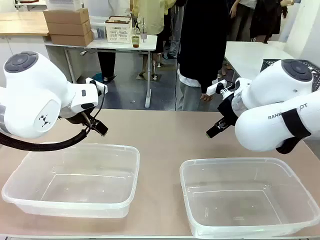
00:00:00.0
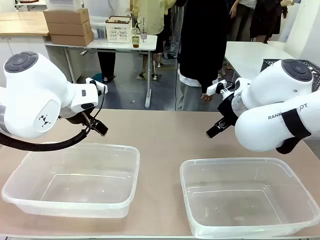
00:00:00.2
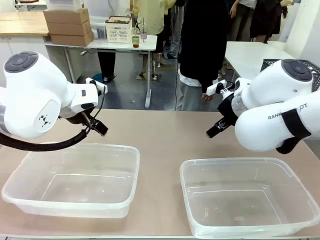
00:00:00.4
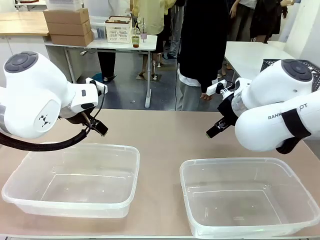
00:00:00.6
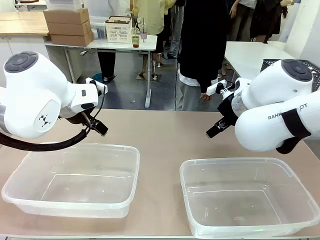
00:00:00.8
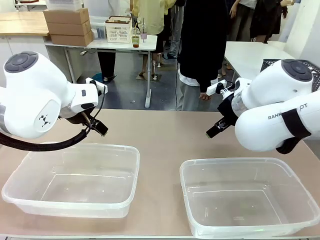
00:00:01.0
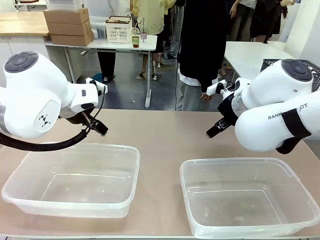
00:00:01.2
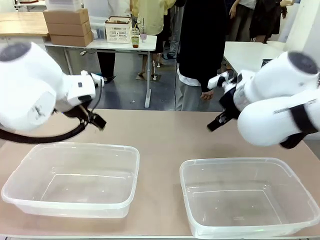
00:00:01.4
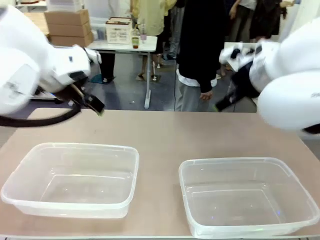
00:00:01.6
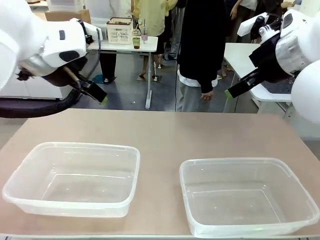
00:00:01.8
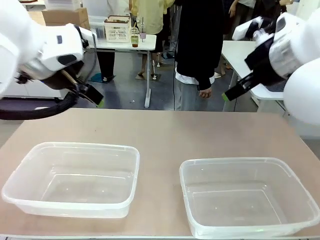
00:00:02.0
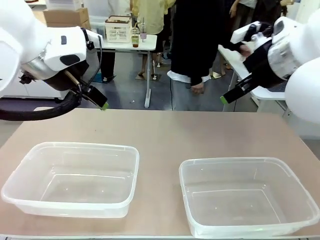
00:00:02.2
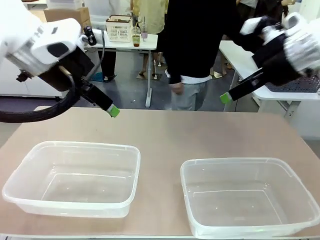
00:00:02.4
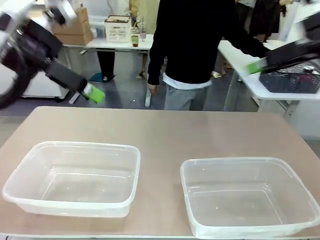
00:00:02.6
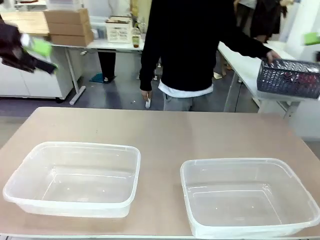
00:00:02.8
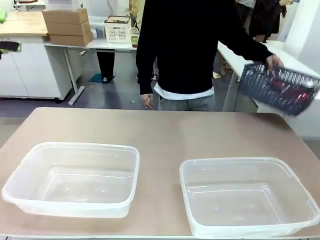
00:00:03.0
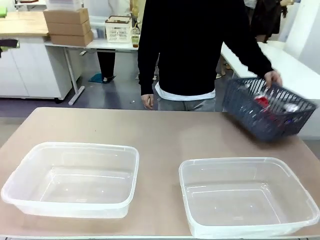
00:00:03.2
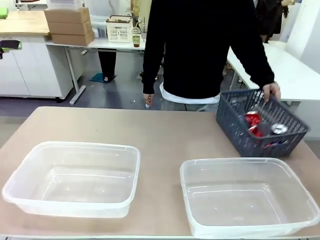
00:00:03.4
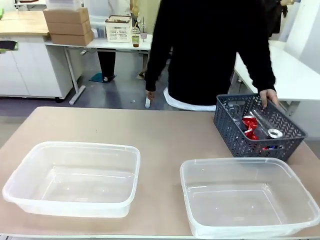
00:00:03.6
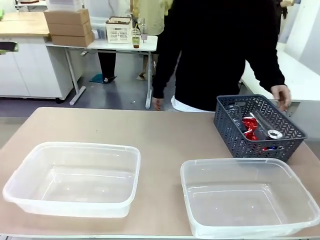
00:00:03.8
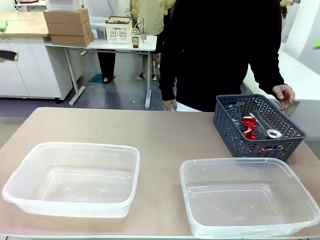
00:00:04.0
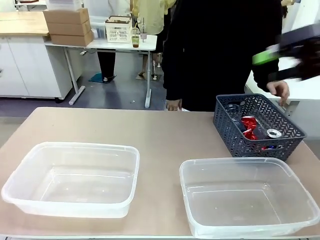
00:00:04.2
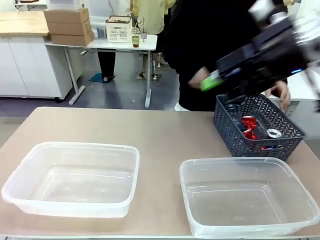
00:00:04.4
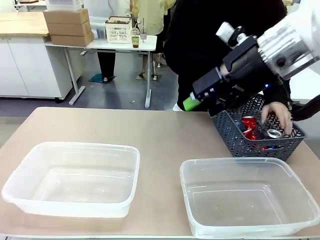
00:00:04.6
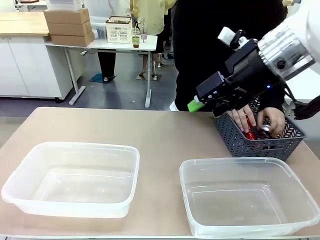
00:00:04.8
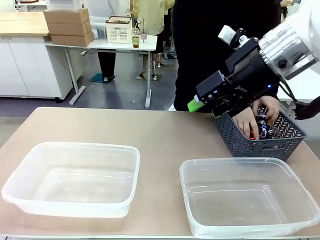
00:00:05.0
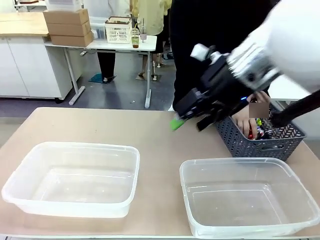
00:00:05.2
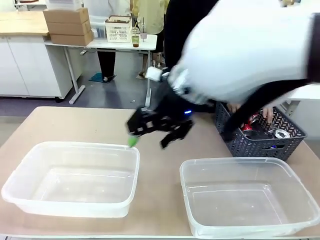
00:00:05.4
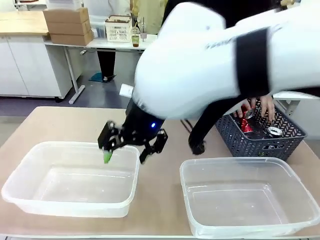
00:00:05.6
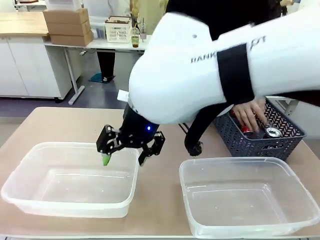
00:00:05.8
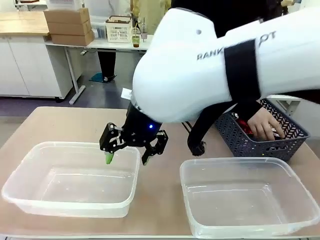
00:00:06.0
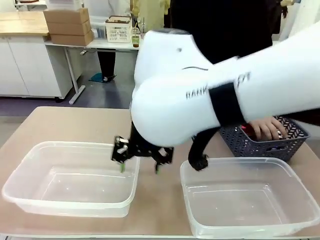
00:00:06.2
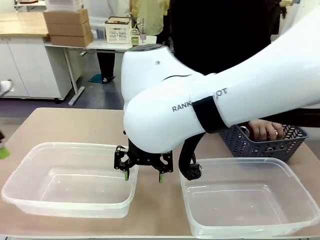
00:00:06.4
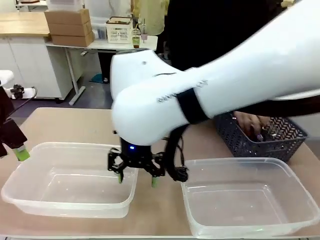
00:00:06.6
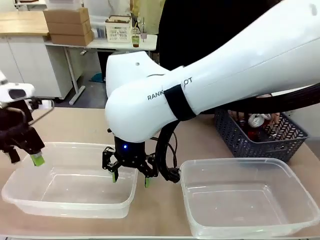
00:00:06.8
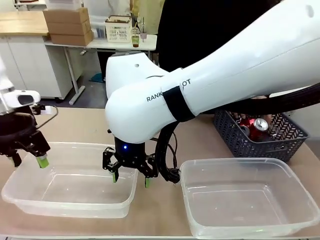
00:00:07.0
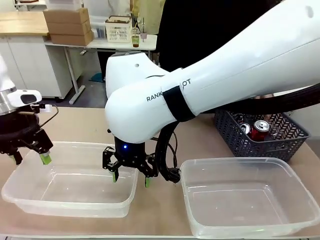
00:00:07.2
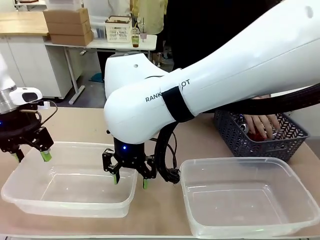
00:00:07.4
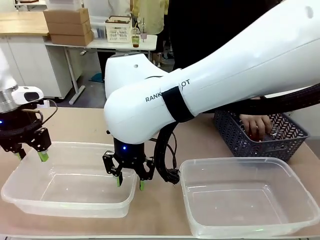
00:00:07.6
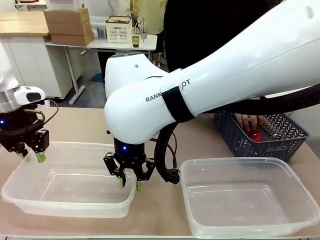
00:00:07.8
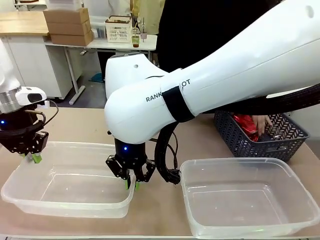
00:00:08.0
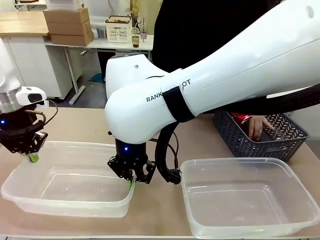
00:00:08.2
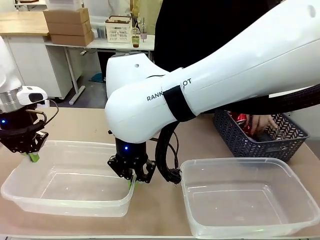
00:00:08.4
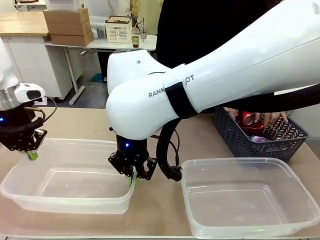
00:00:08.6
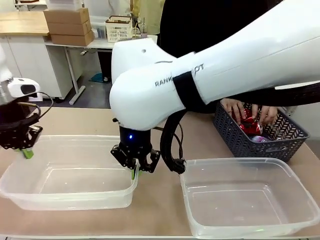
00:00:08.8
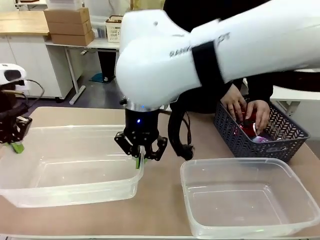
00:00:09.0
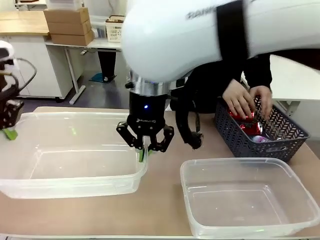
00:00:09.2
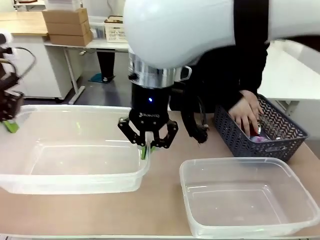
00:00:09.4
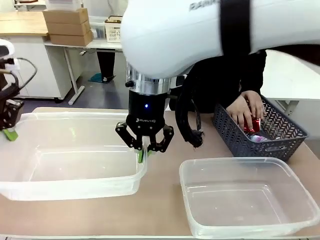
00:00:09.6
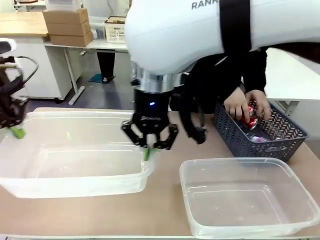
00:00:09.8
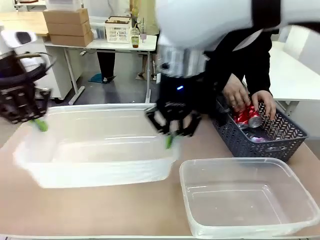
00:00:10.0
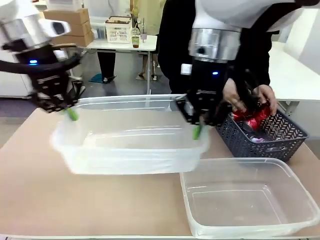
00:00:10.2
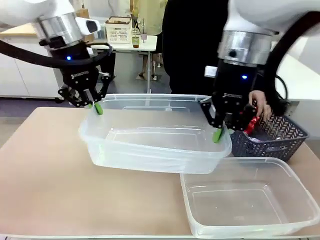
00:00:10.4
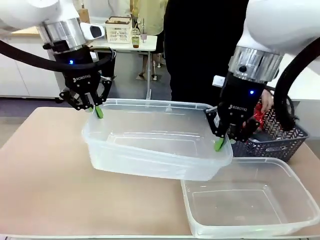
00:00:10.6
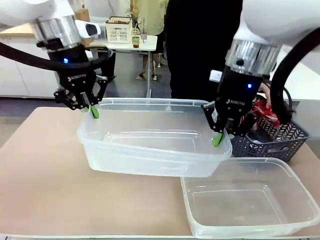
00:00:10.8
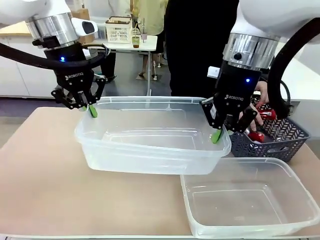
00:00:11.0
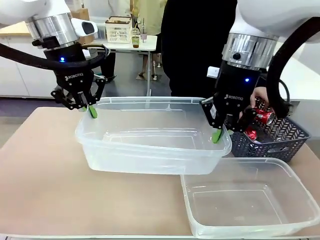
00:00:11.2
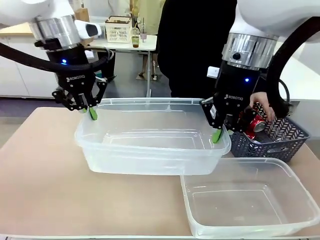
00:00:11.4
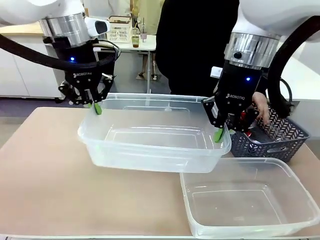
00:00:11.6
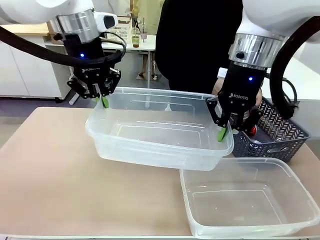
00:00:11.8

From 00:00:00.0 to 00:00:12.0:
Robot: Pick up the Organizing box on the left side of the table and lift it.
Person: Pick up the storage basket and place it on the left side of the robot table. Pick up can-shaped waste one by one and place it into the organizing box lifted by the robot.

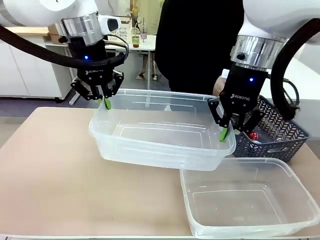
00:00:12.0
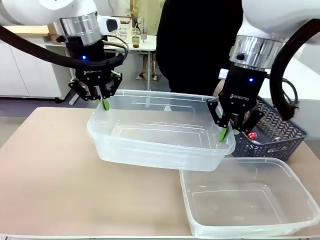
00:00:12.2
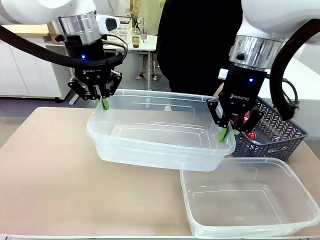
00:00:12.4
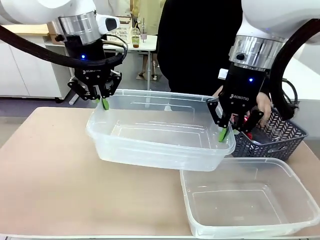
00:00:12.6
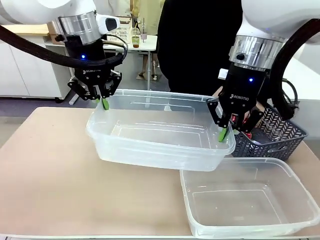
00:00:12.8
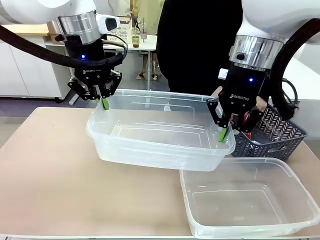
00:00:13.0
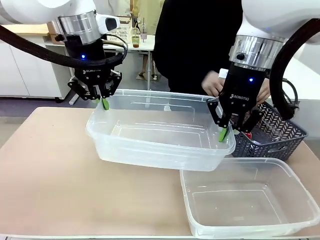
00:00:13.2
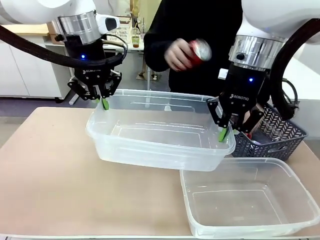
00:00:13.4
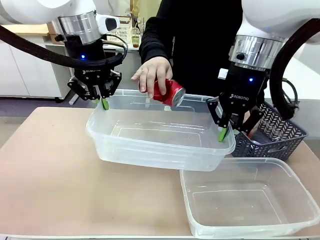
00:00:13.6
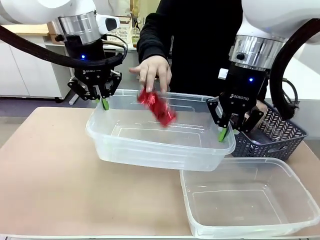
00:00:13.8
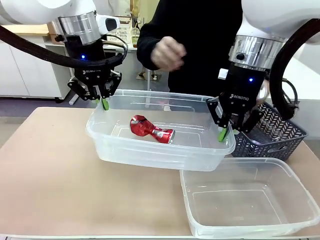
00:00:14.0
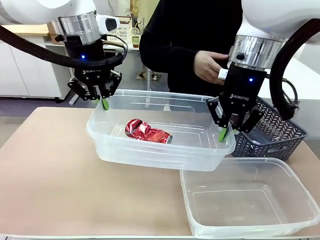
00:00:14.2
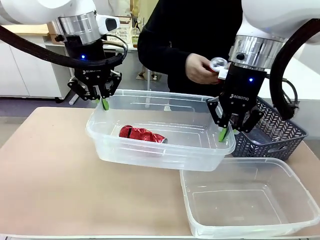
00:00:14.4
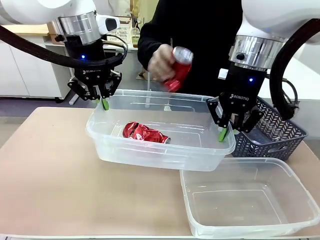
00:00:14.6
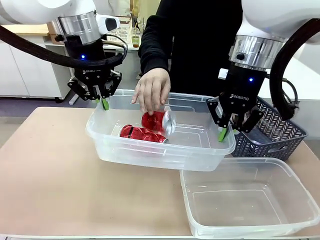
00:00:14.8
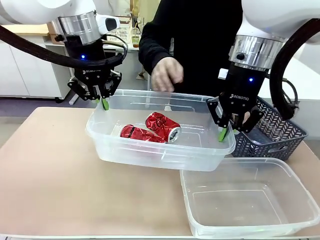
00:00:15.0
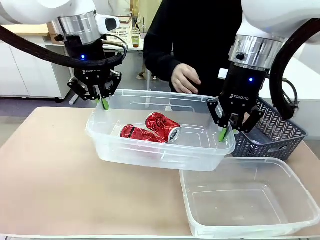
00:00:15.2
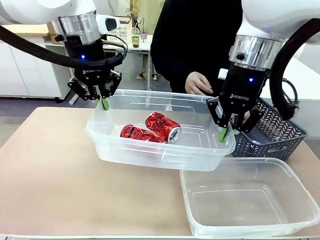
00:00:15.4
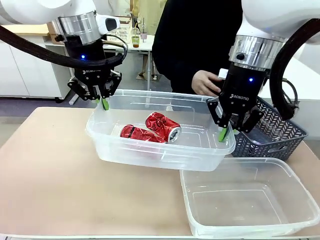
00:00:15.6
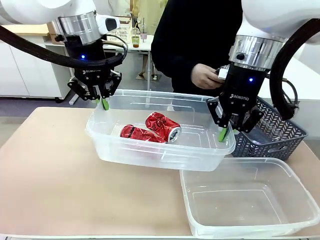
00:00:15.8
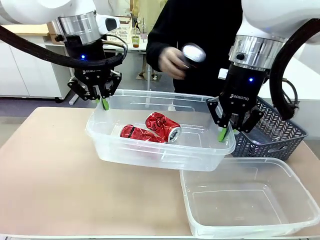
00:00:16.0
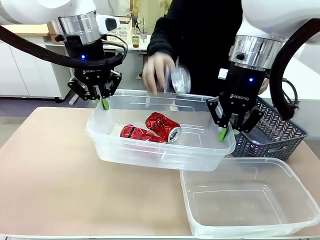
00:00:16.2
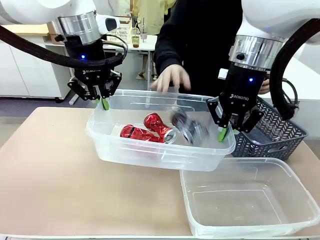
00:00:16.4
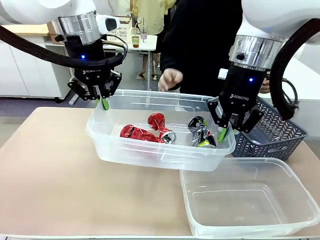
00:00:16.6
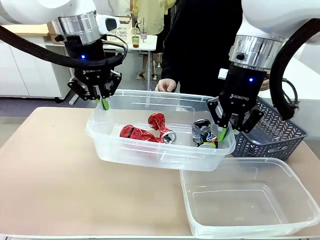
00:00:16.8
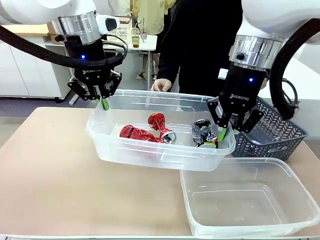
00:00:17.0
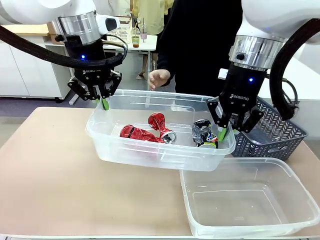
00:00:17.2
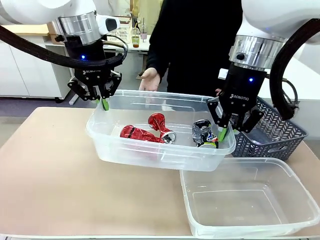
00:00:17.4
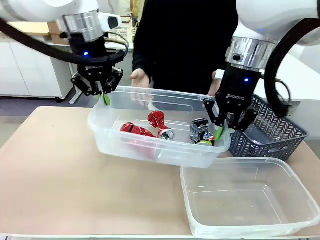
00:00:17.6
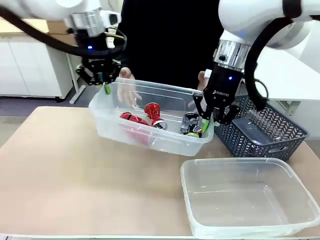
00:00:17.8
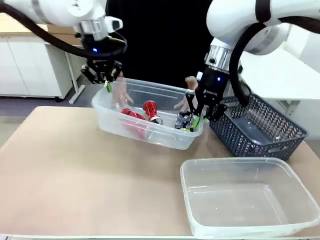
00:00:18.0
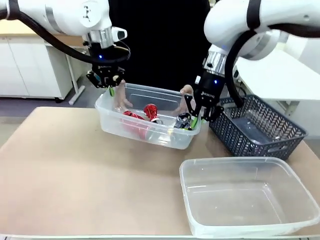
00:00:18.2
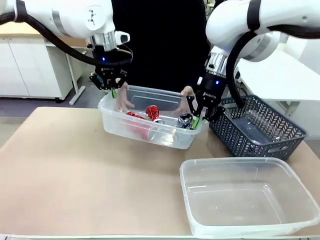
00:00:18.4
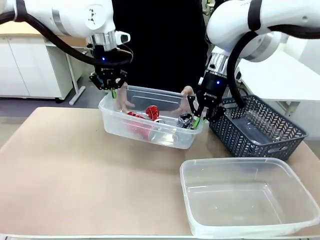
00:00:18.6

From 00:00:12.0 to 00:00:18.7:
Robot: Offer the picked Organizing box to the human.

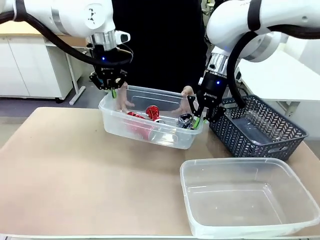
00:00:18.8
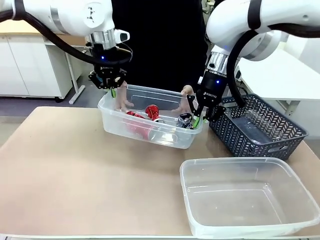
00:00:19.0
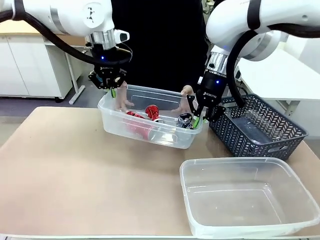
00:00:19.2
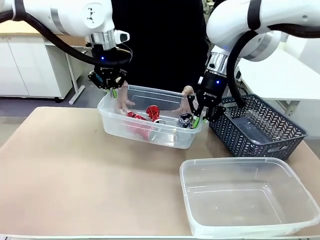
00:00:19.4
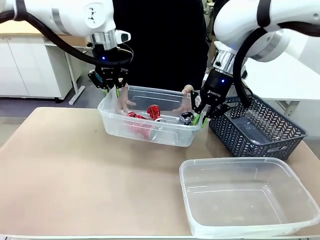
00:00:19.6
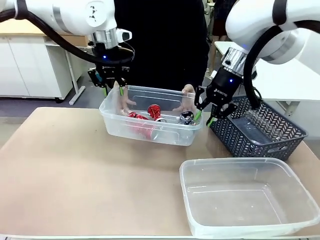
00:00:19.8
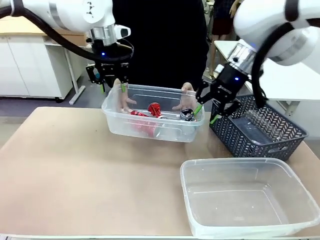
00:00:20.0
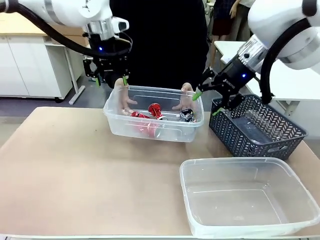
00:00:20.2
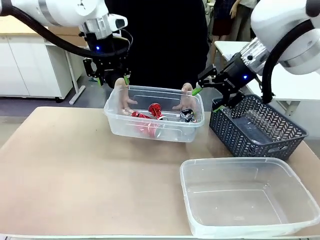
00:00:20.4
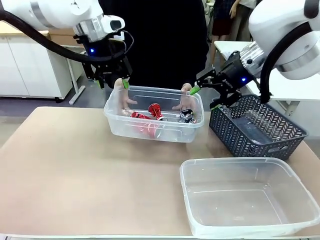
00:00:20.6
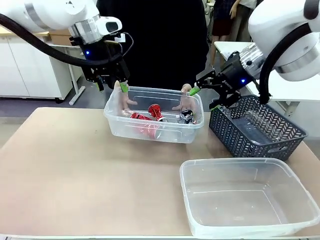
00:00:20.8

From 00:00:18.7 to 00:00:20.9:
Robot: Release the Organizing box you were holding.
